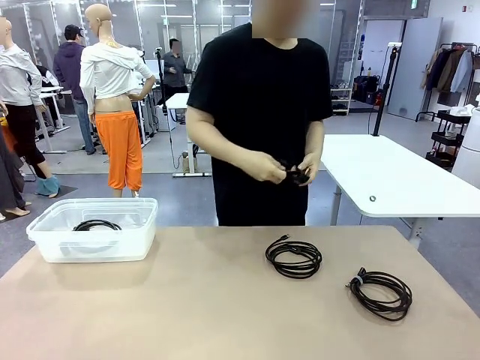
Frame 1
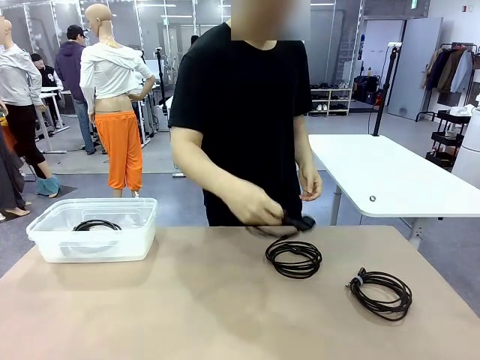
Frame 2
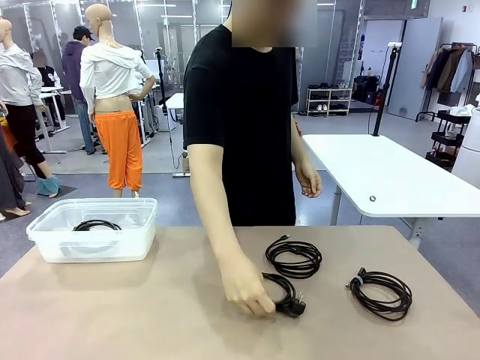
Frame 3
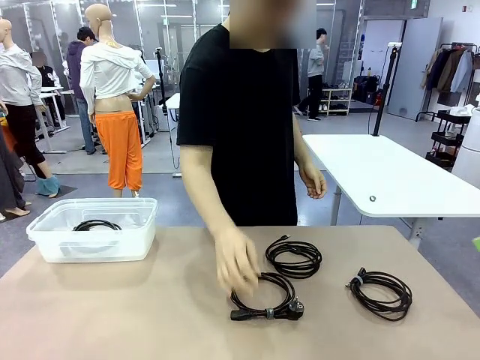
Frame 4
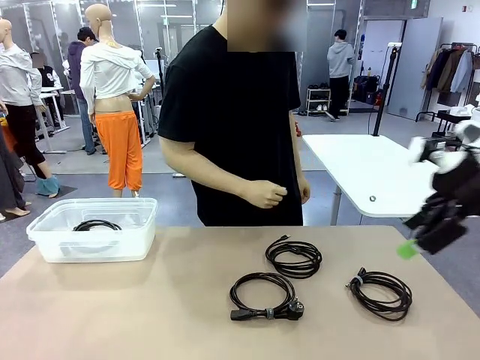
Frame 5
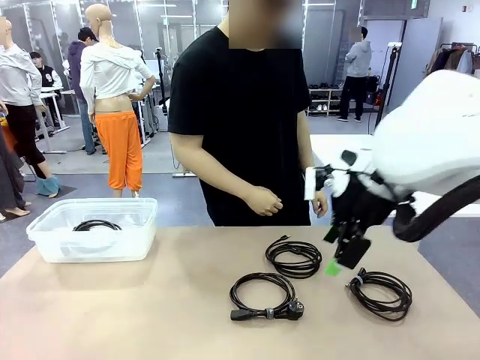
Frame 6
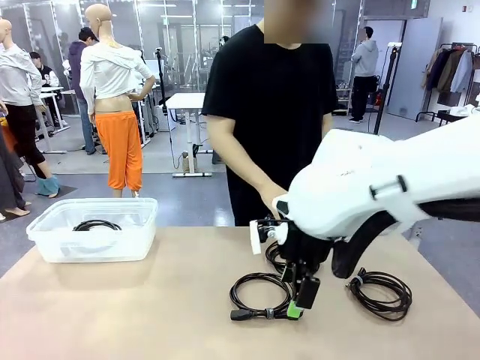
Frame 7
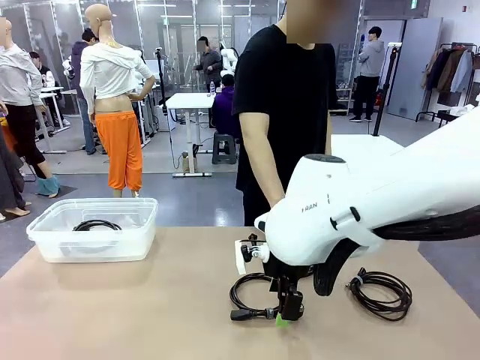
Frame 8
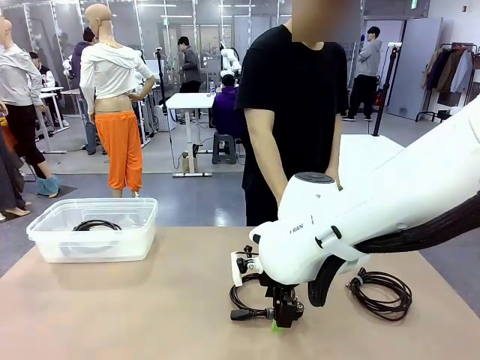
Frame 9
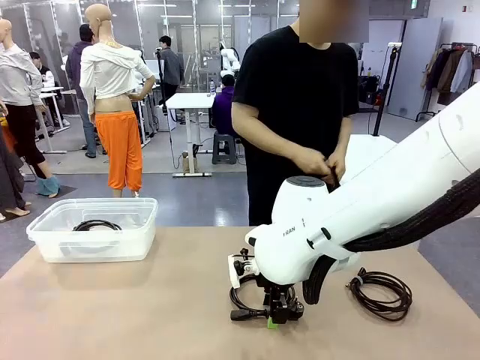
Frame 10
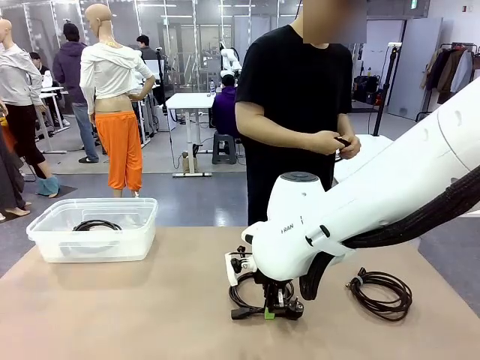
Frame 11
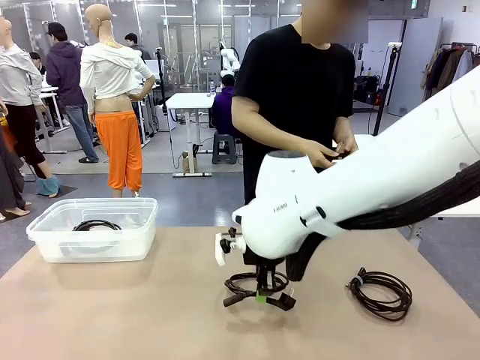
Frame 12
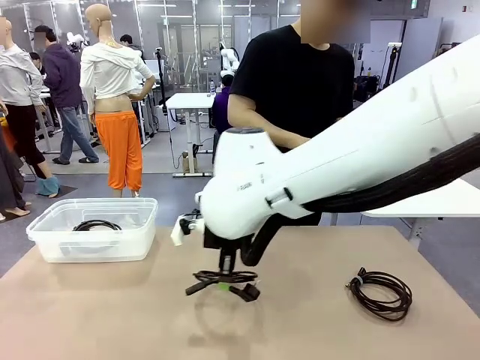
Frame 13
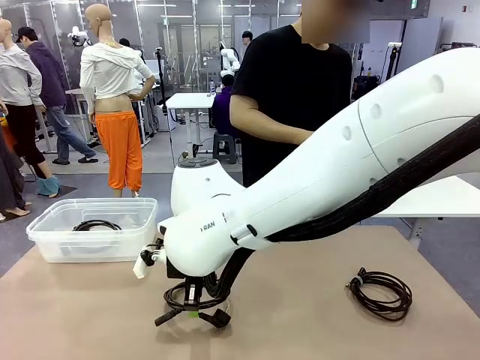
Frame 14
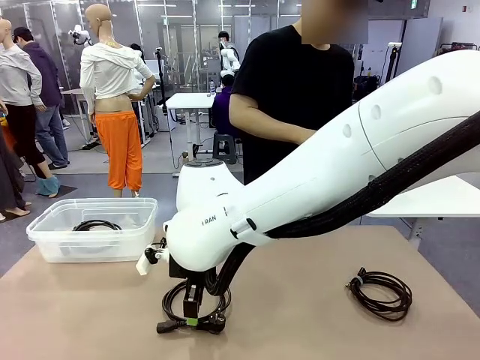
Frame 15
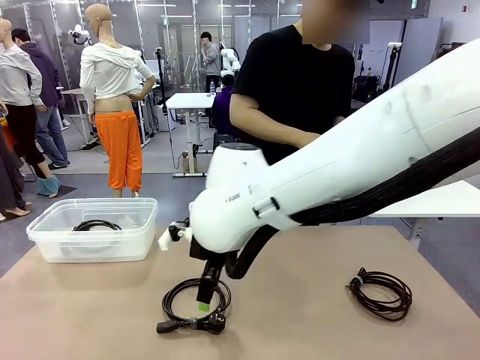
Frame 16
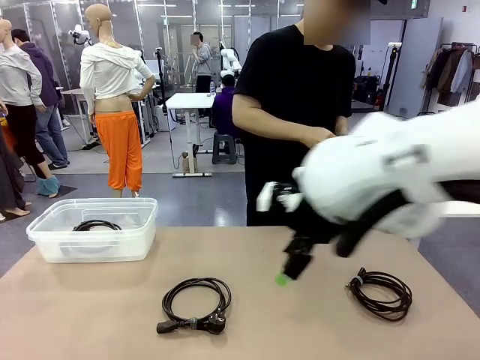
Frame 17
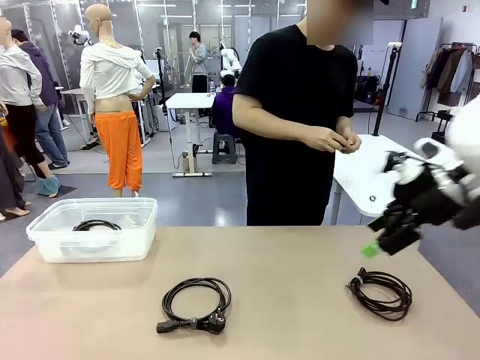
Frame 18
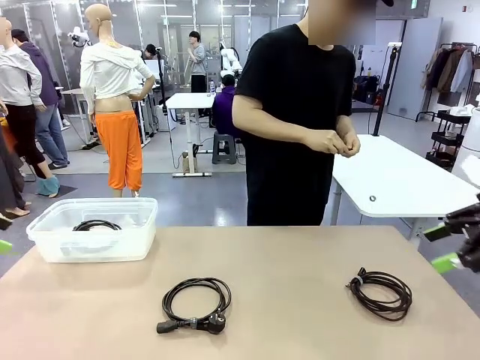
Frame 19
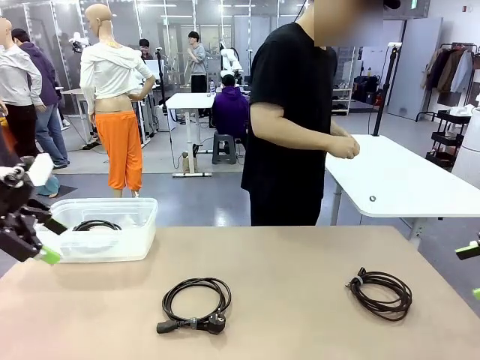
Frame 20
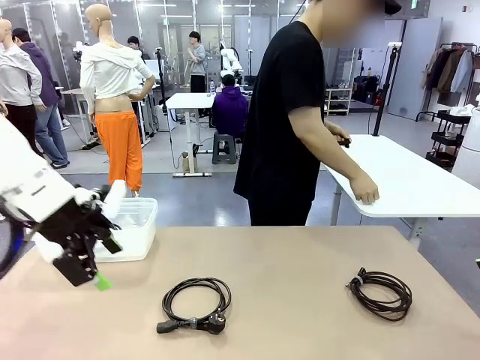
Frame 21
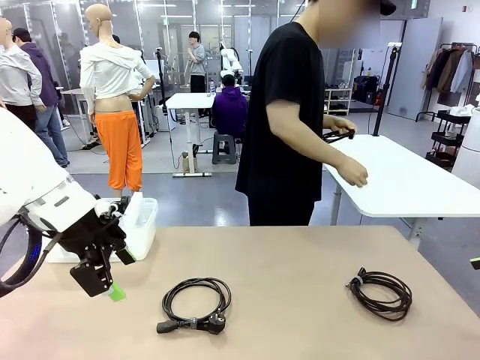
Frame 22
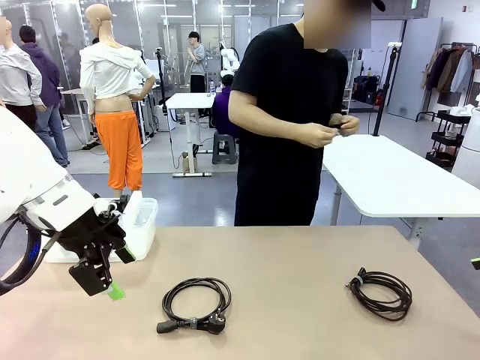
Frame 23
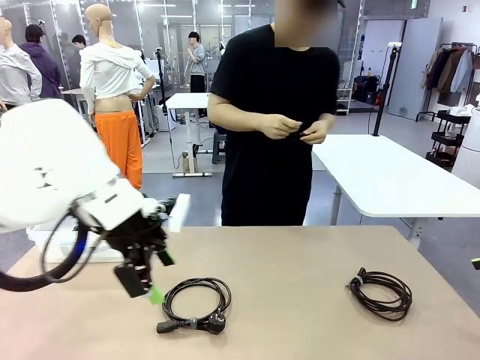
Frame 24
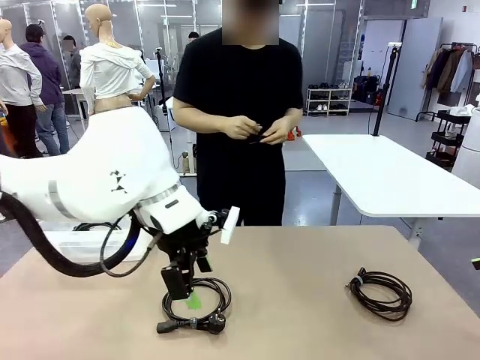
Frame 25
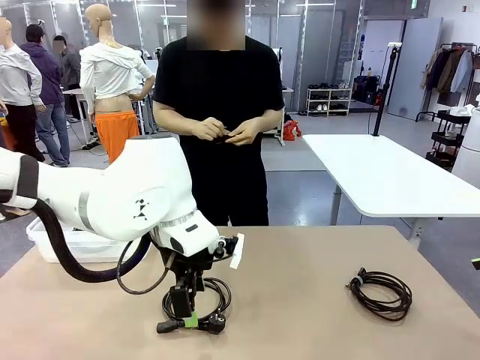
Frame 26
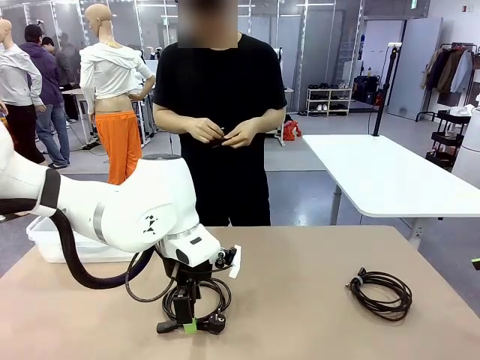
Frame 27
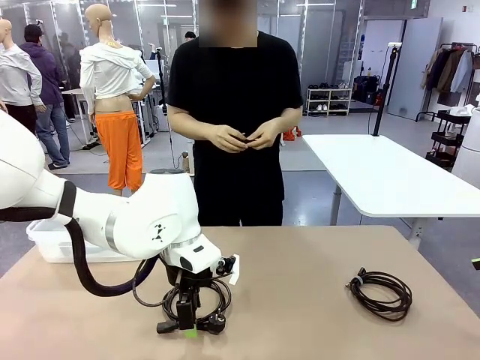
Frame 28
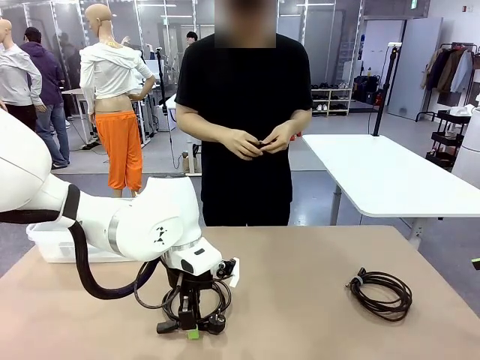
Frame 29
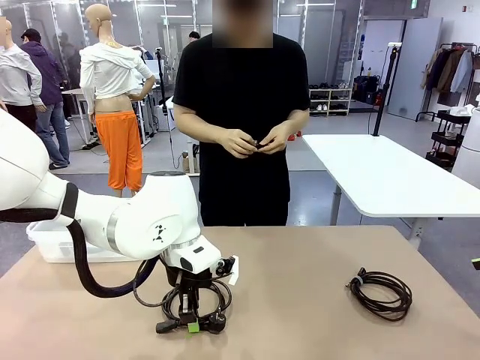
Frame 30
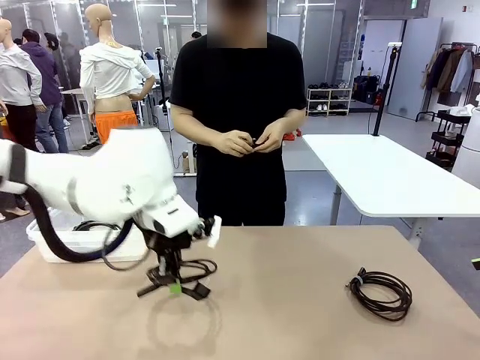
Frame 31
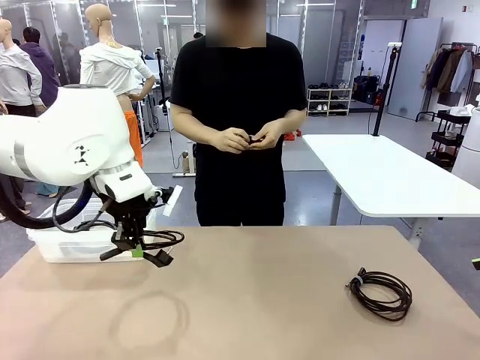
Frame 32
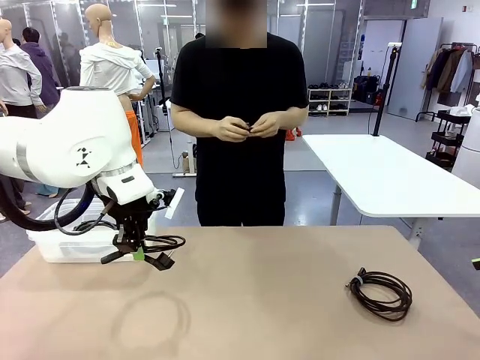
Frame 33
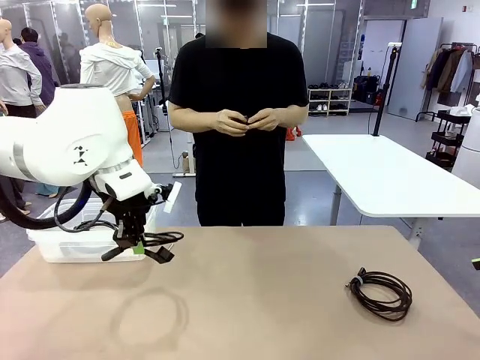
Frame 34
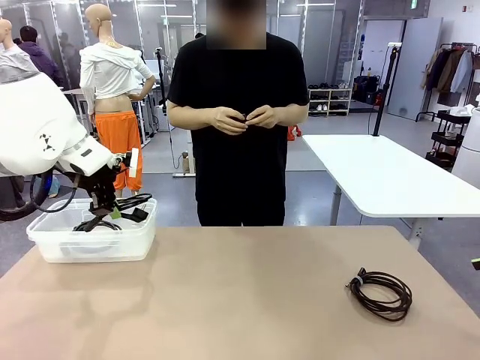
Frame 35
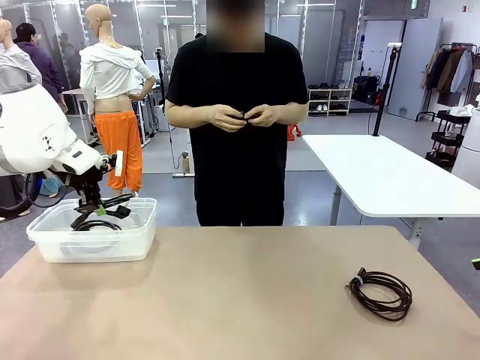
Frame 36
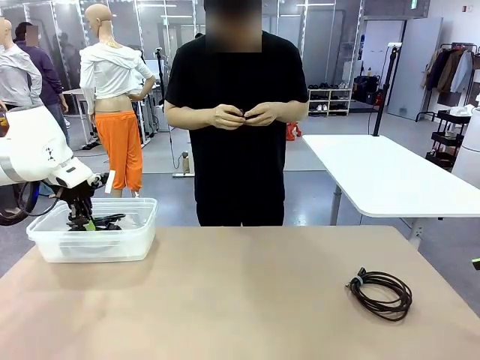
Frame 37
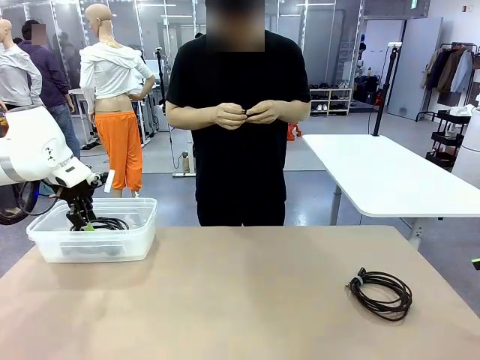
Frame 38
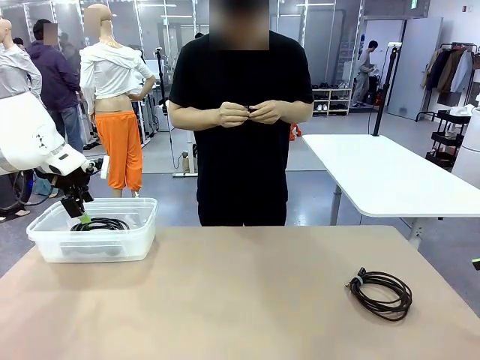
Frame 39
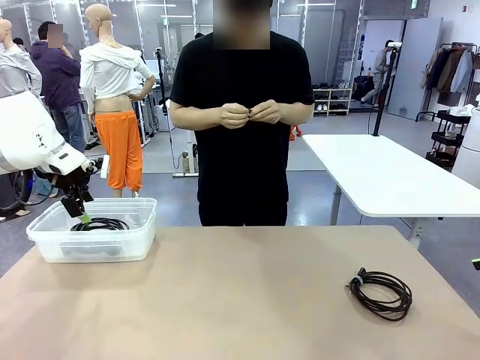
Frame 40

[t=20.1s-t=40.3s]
Task: Organize and store the cables.
Robot: Place the Power Cable into the Organizing box.

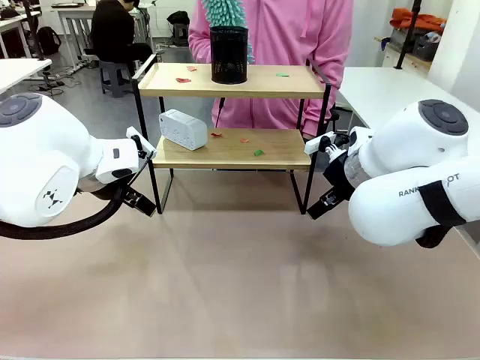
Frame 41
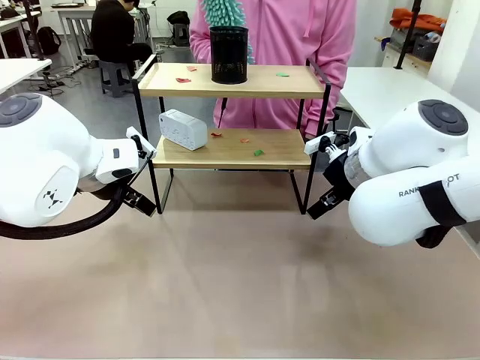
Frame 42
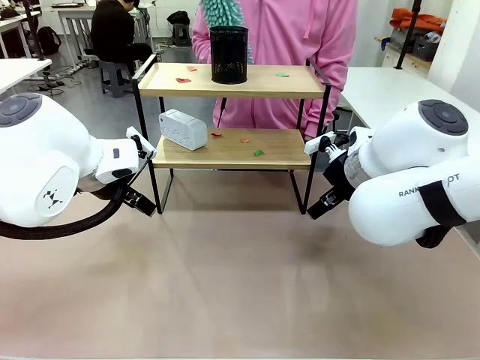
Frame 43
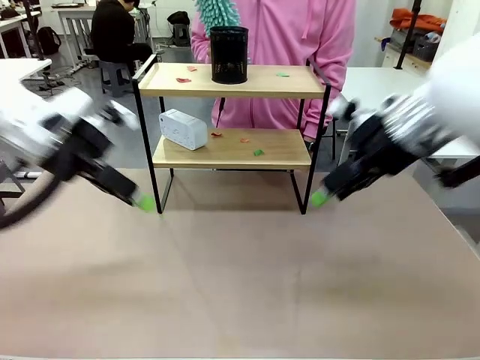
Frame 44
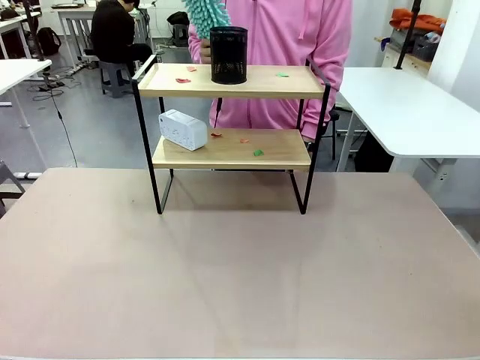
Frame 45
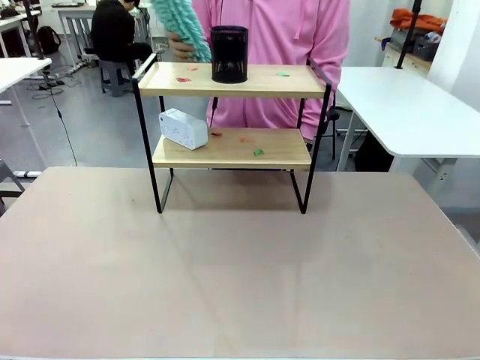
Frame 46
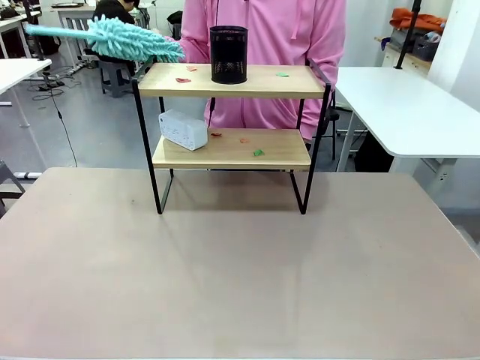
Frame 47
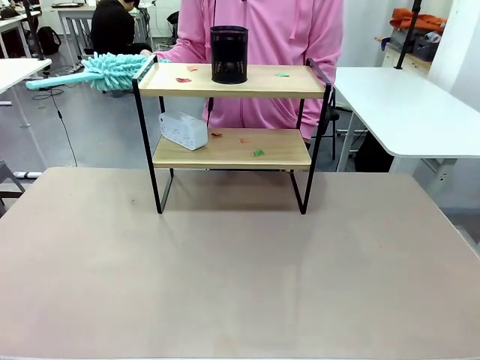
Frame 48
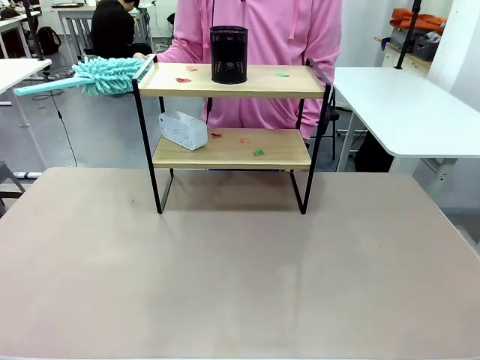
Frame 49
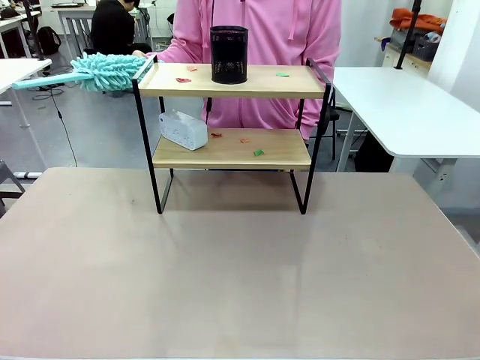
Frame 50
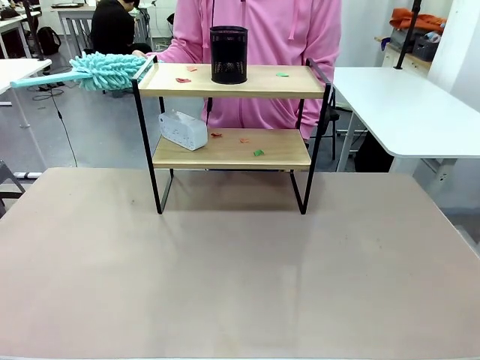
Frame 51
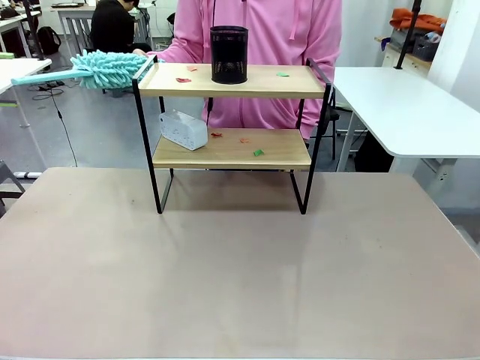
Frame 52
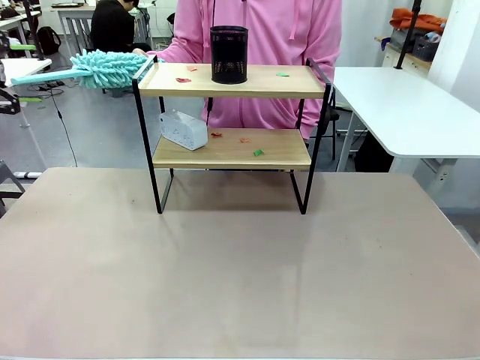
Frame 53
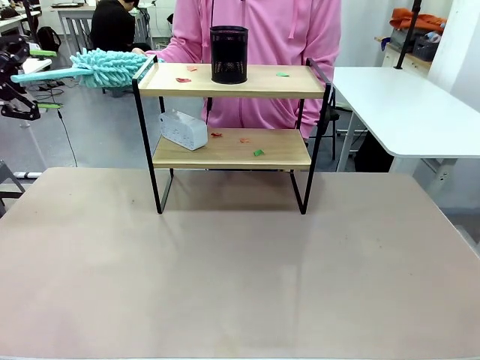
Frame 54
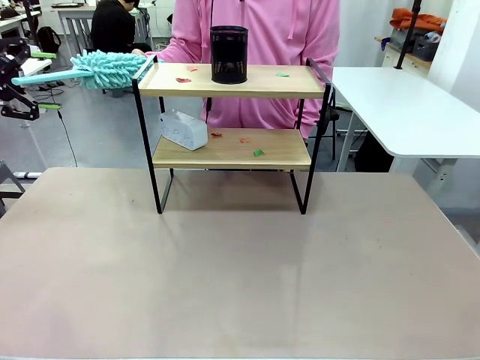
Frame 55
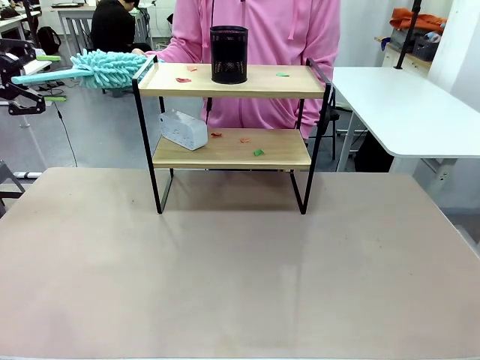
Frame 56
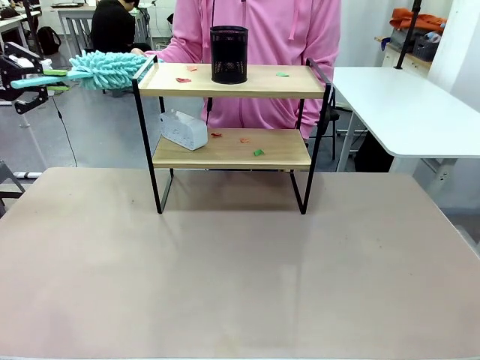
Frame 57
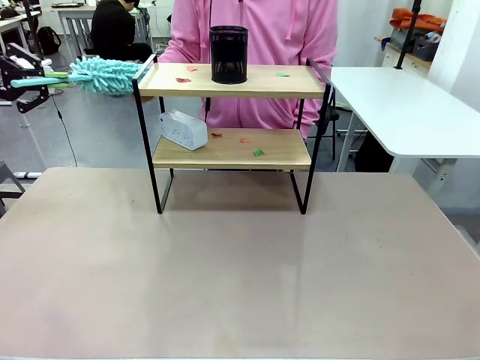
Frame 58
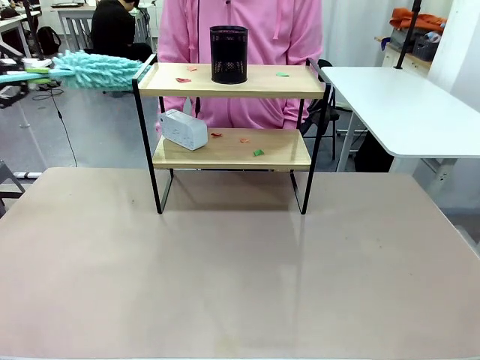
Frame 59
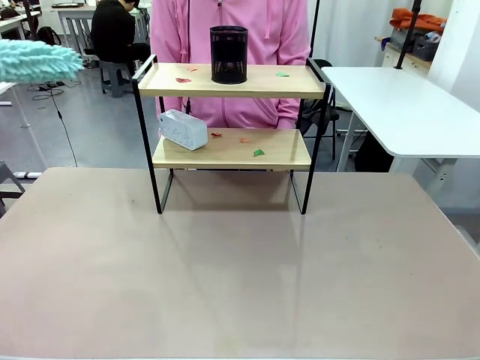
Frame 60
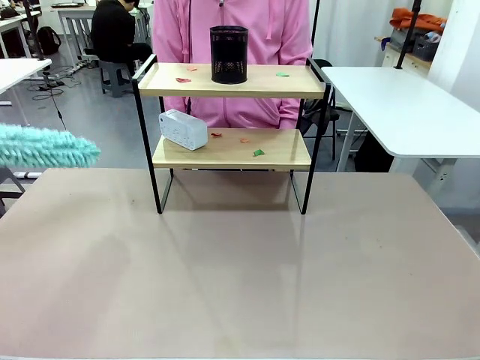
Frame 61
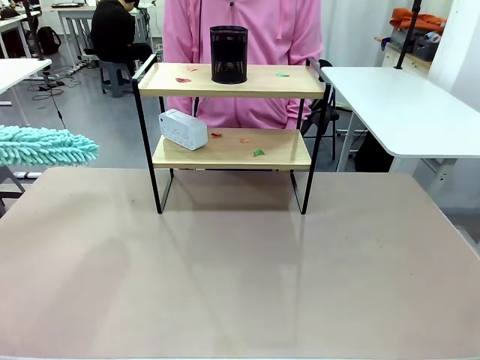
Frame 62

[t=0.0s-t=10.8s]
Task: Clean the shelf.
Robot: Pick up the Duster from the human.
Person: Hand the Duster to the robot.
